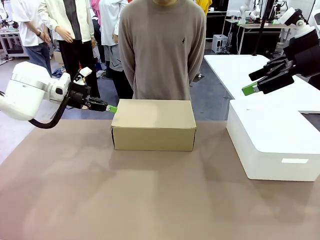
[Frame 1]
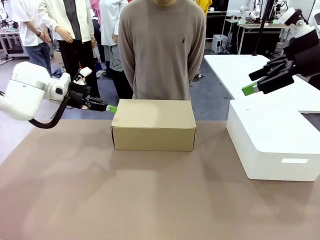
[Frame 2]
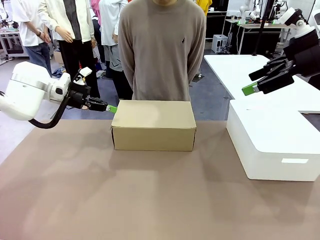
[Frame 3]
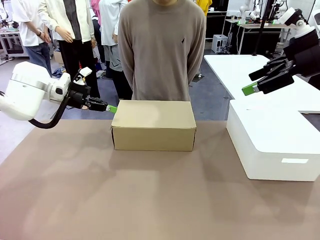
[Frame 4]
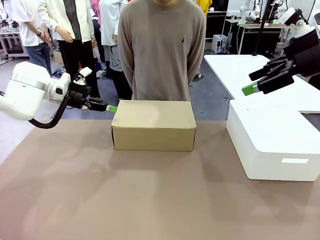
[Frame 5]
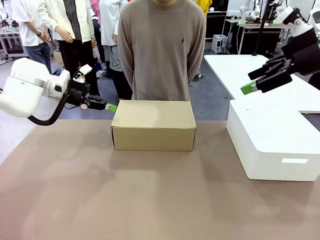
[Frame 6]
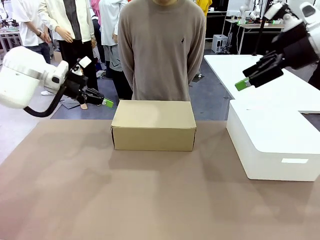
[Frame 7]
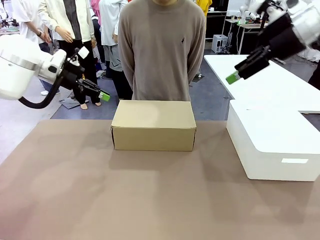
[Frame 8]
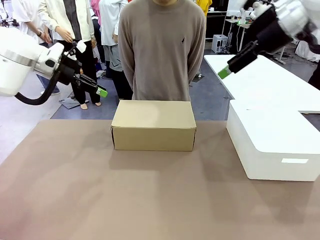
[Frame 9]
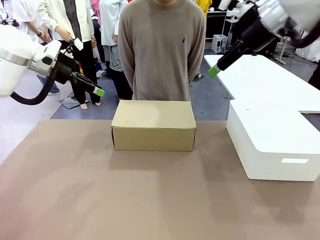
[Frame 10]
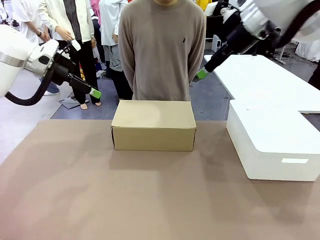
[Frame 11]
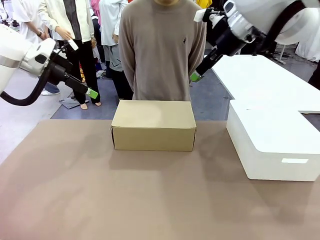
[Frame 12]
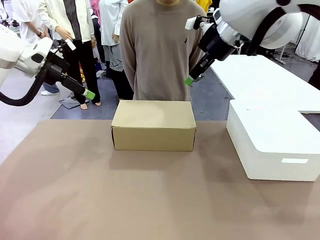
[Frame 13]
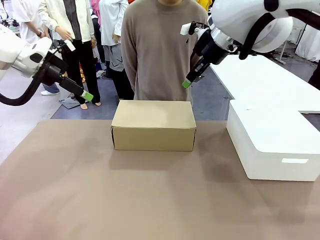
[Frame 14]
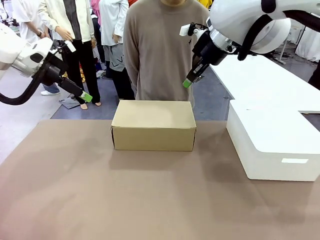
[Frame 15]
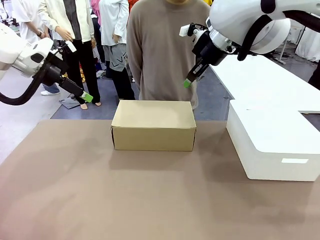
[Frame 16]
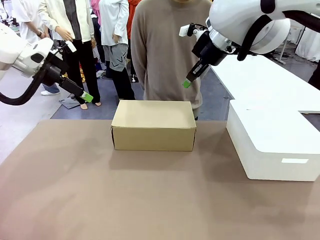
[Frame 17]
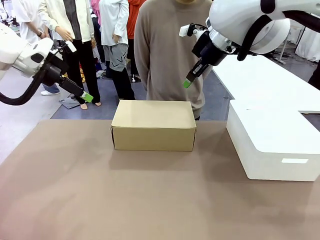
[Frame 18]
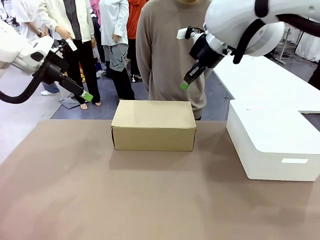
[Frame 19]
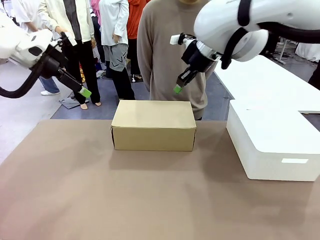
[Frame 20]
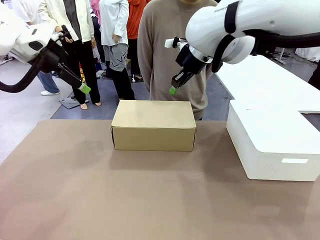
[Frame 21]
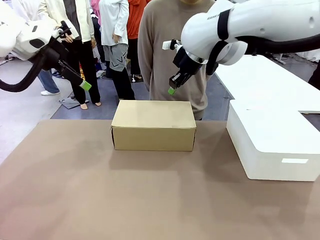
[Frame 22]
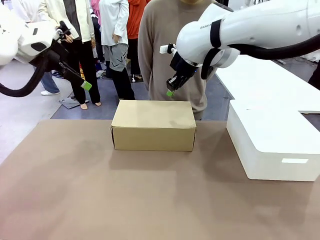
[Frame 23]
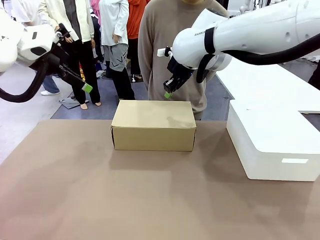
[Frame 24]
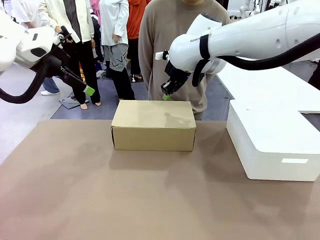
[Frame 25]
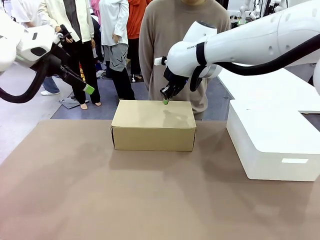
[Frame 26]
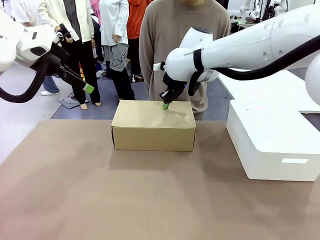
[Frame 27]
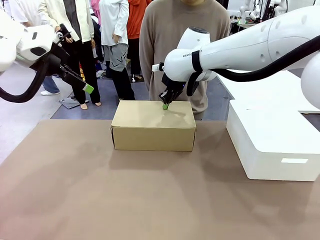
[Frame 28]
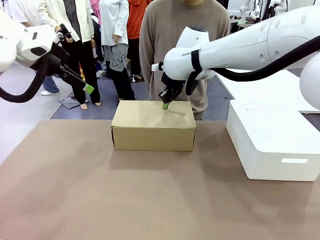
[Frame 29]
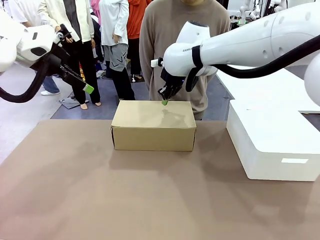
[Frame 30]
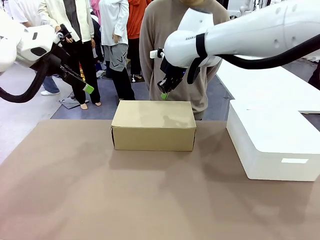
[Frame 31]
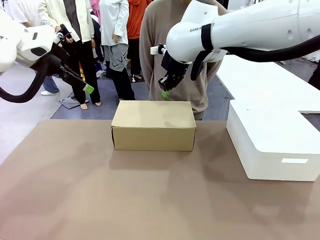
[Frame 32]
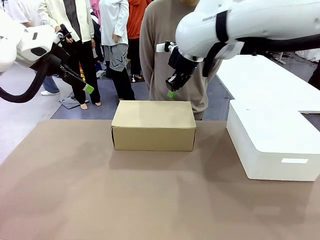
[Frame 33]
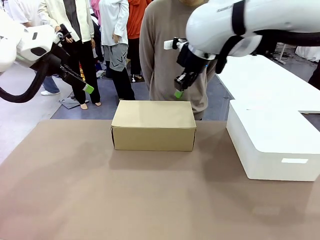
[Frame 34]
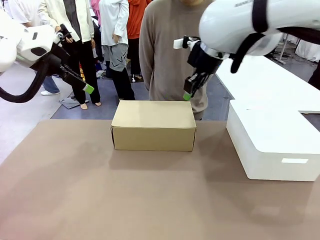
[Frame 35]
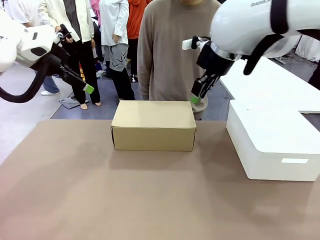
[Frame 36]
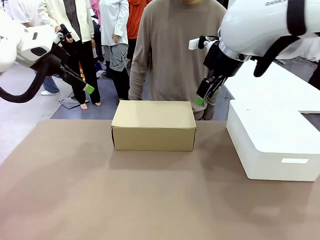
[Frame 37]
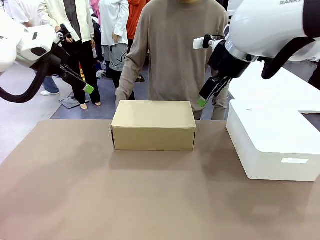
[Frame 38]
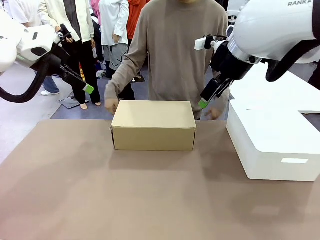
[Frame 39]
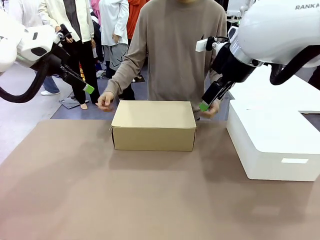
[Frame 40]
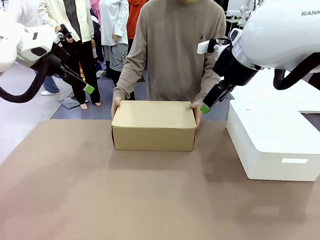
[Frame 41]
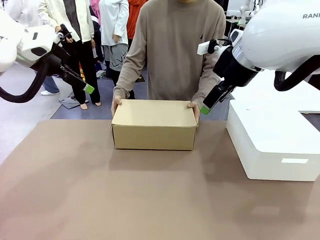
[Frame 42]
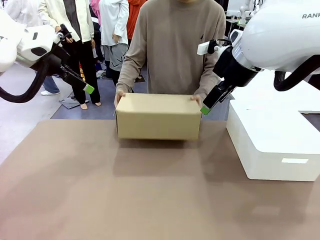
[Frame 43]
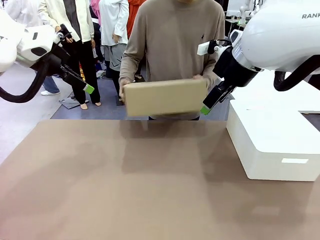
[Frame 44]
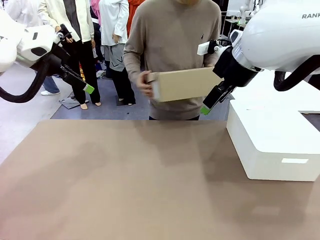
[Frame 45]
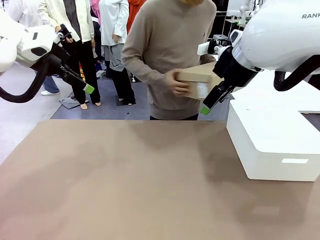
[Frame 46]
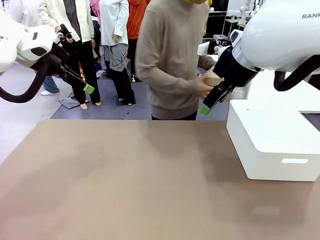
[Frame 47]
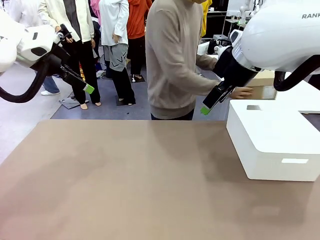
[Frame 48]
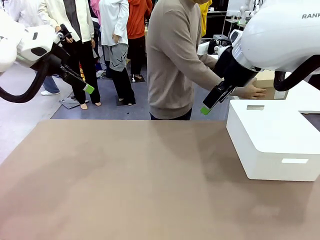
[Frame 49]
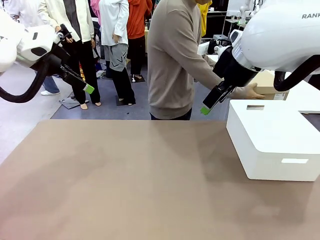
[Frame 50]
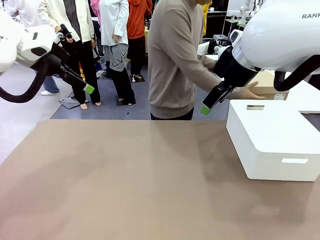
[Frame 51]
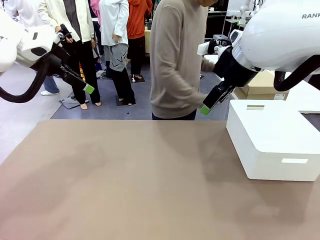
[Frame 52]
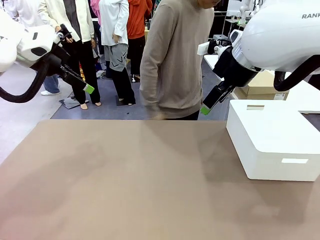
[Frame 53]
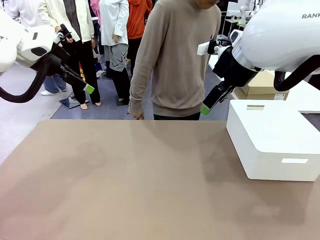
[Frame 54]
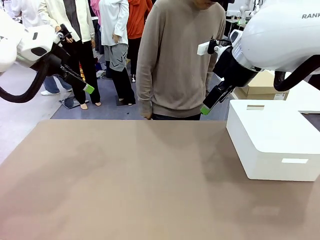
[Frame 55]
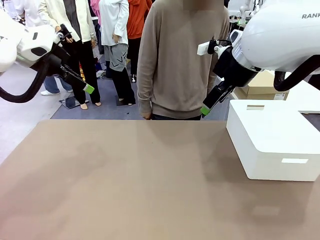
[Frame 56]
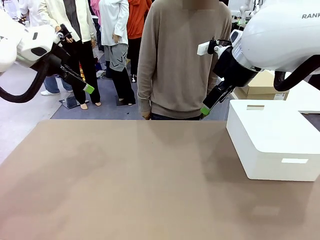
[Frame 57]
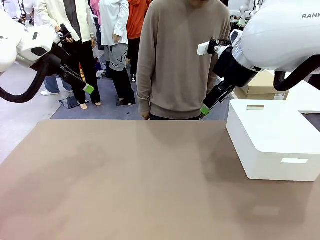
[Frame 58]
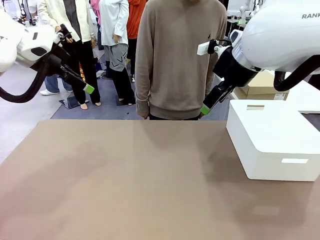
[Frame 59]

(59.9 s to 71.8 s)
Task: Pack the shoes into the box.
Robot: Press down on the lid of the Shoes Box.
Person: Place the closed Shoes Box to the right side of the human table.

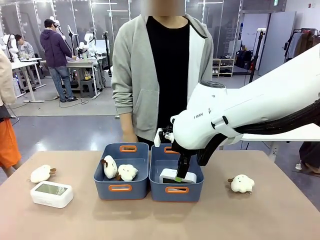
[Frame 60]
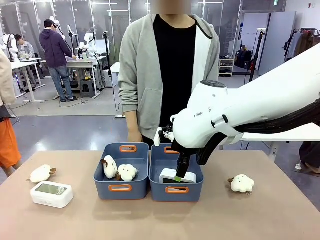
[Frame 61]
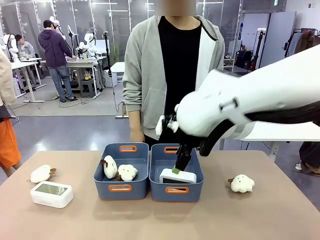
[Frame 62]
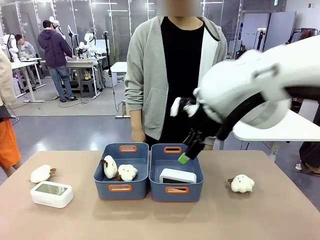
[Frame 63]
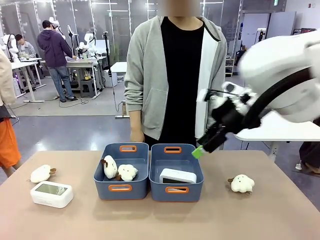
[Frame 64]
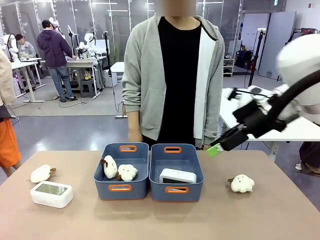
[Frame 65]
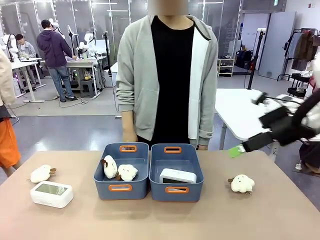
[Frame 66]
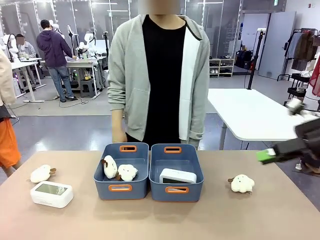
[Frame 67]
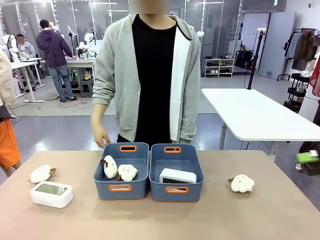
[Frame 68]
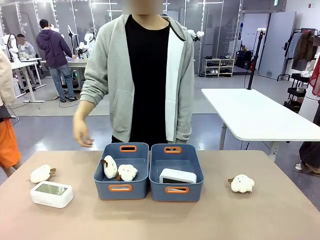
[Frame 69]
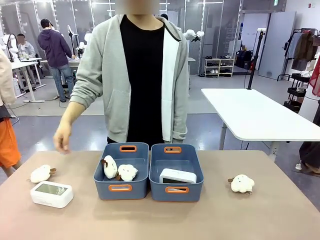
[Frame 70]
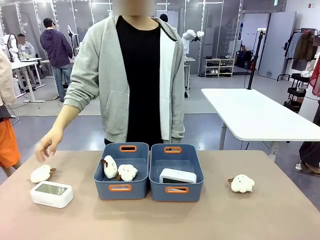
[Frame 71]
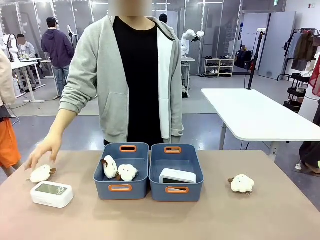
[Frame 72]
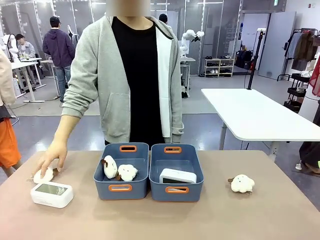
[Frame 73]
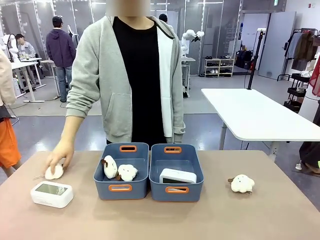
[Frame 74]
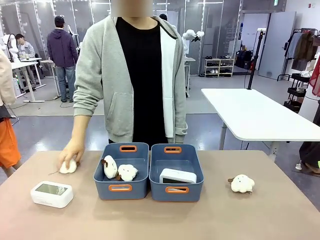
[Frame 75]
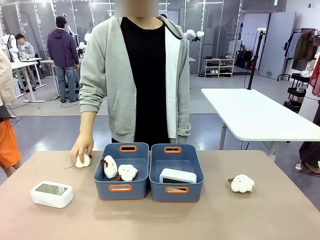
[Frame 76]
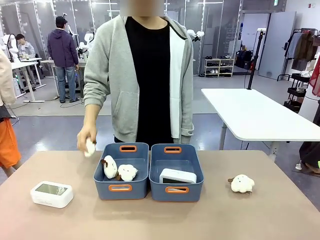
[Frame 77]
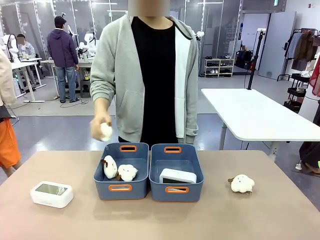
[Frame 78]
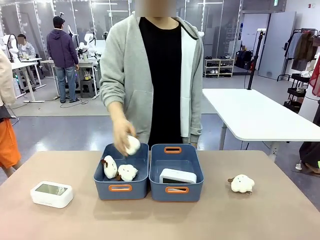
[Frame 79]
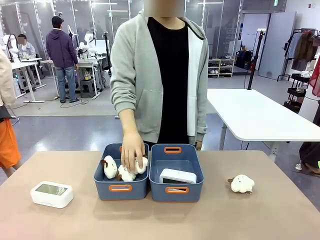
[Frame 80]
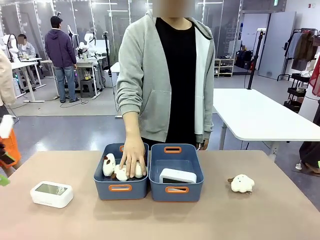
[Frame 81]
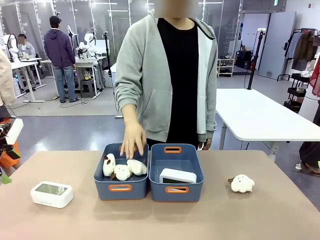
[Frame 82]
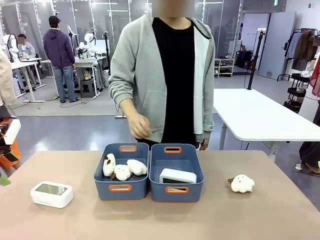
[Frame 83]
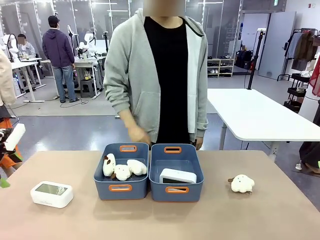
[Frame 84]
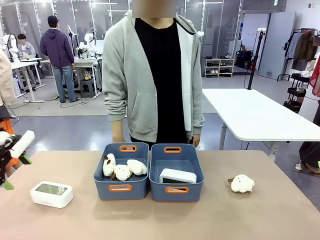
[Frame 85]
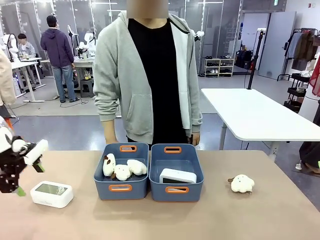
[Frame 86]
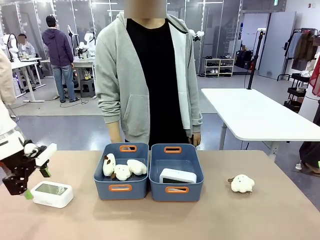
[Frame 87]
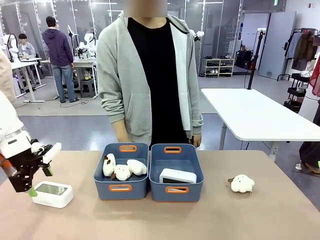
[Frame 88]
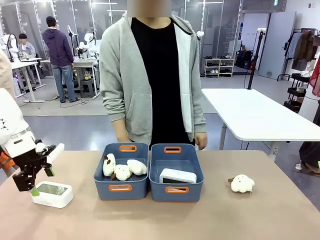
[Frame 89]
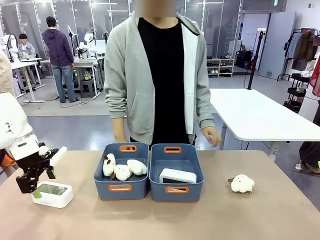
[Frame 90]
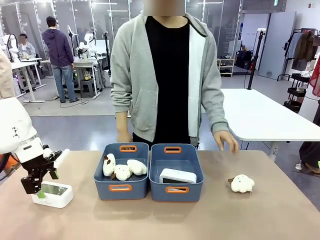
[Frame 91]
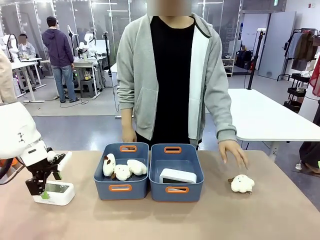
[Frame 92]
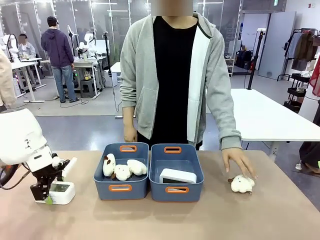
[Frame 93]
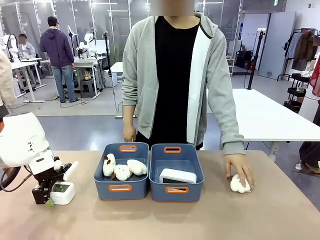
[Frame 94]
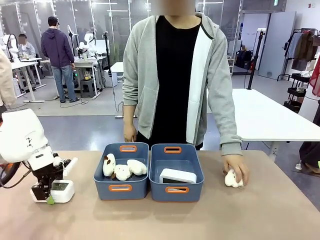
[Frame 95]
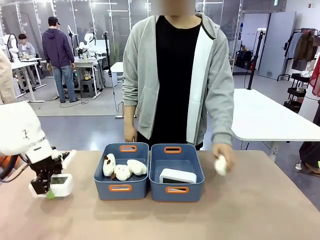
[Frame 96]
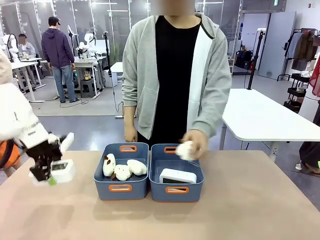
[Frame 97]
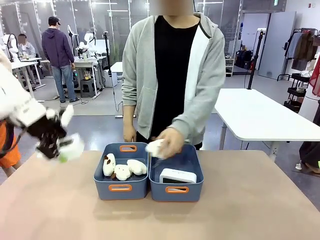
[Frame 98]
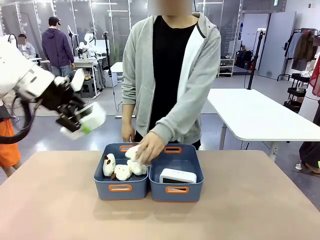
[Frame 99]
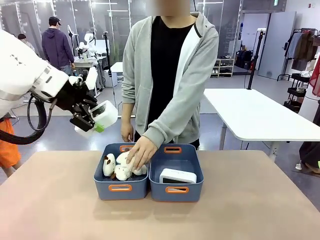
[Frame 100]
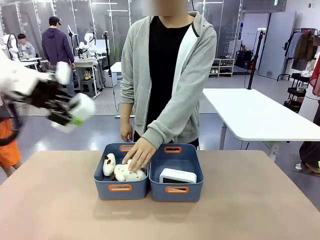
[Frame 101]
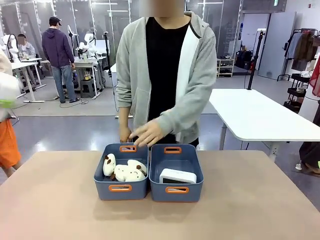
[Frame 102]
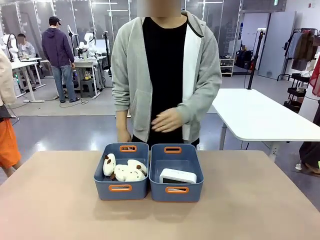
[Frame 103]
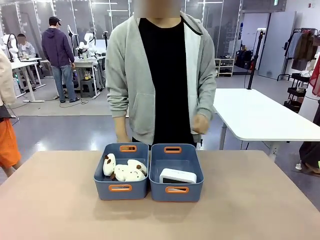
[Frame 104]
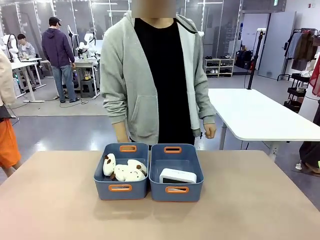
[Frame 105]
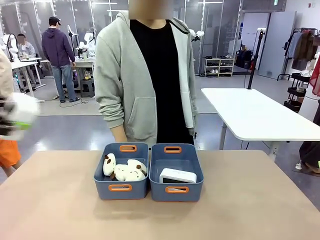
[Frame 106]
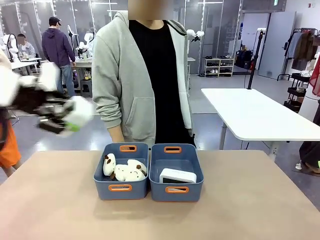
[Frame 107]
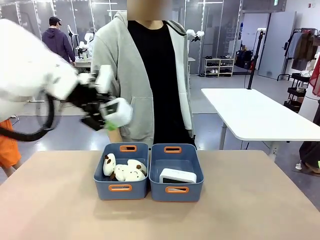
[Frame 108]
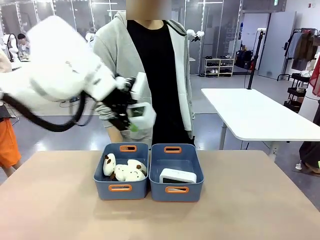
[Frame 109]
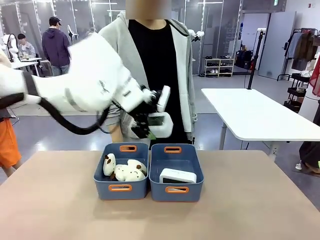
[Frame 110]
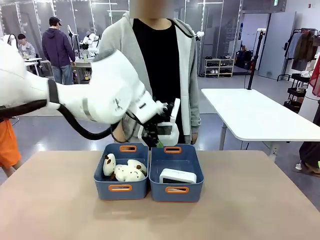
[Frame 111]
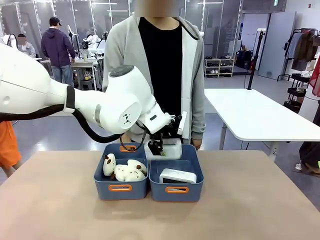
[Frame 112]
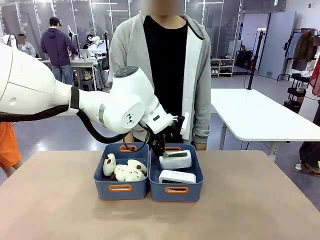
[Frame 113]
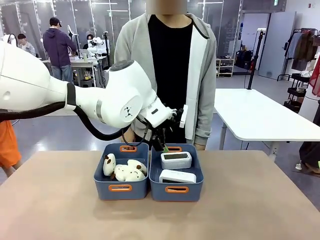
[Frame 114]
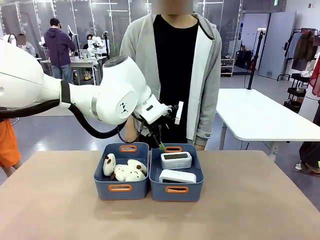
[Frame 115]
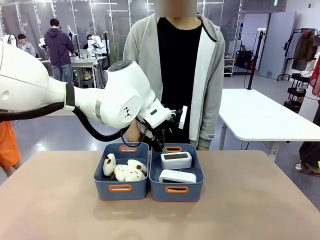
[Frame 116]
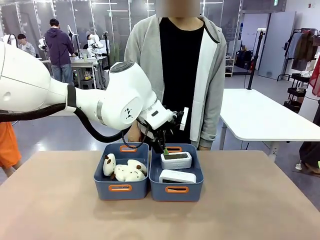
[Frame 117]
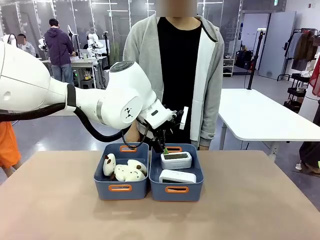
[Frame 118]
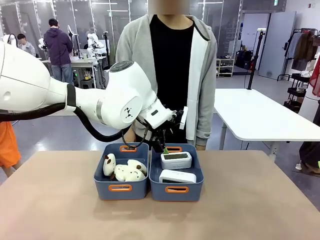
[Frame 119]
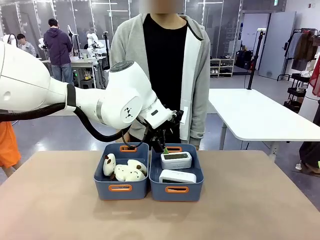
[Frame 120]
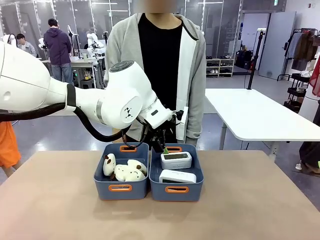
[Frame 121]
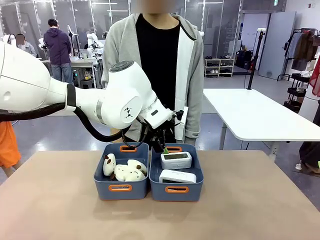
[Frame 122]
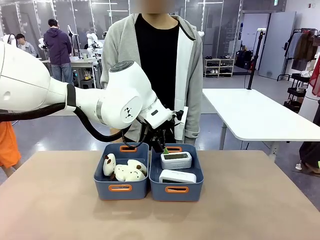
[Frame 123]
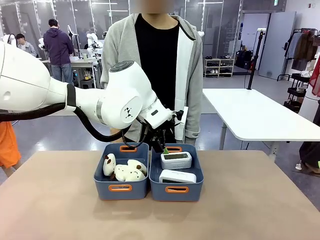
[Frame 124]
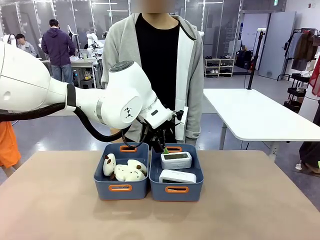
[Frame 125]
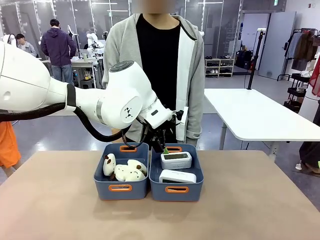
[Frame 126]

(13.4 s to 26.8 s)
Task: Sort the digital clocks into the basket.
Robot: Pick up the Digital clock from the table and place it into the empty Plastic storage basket.
Person: Pick up a plush toy from the table and place it in the plastic storage basket containing the plush toy.
